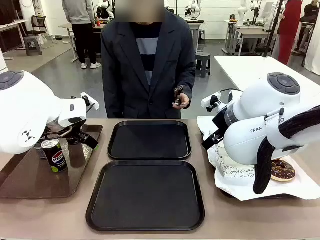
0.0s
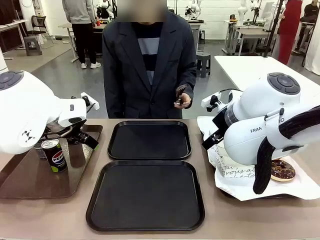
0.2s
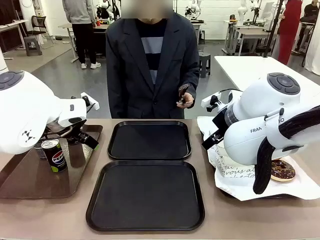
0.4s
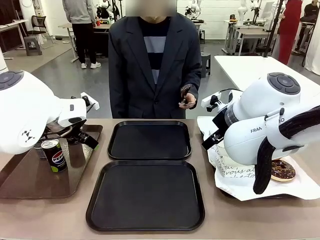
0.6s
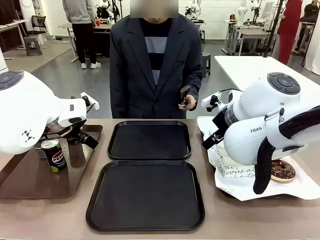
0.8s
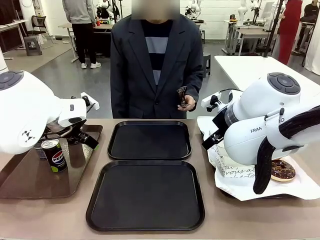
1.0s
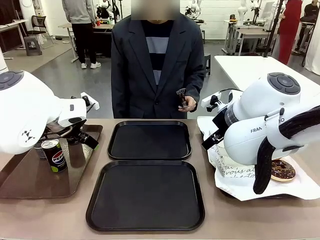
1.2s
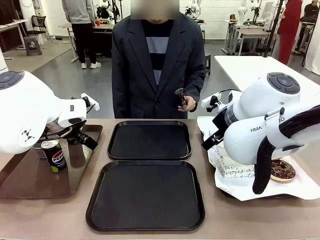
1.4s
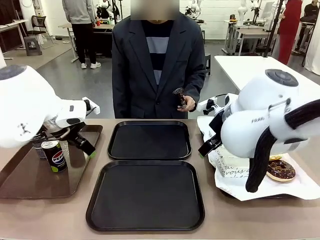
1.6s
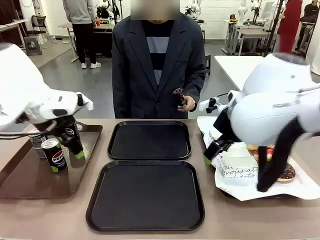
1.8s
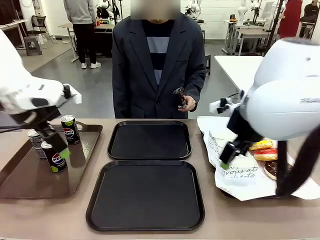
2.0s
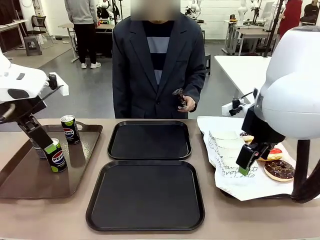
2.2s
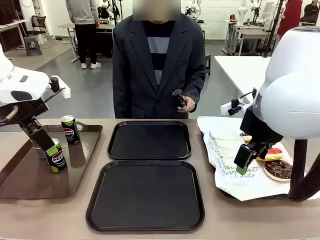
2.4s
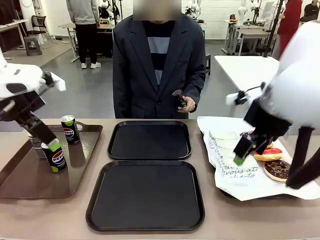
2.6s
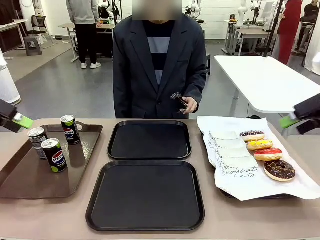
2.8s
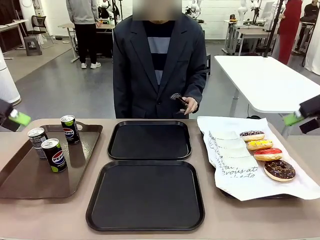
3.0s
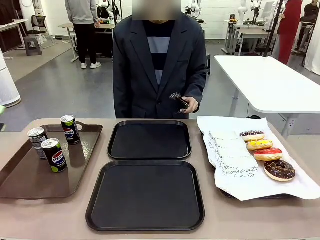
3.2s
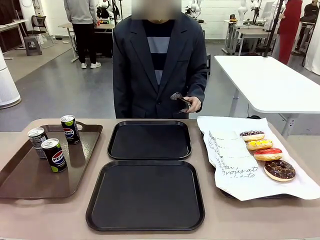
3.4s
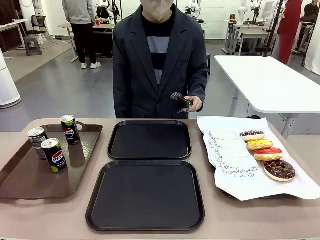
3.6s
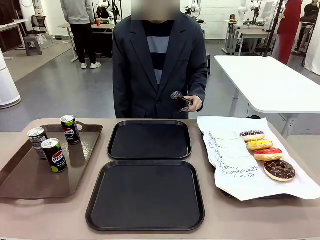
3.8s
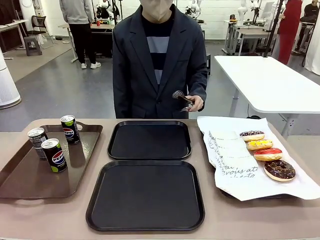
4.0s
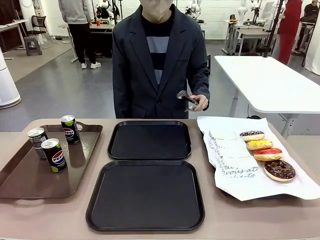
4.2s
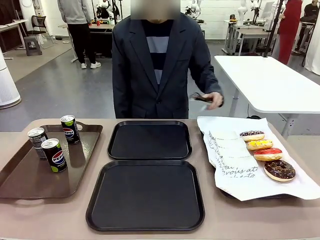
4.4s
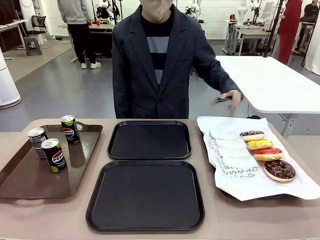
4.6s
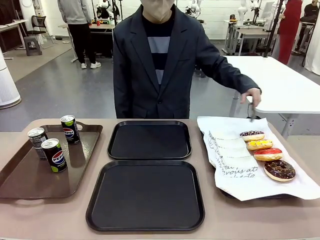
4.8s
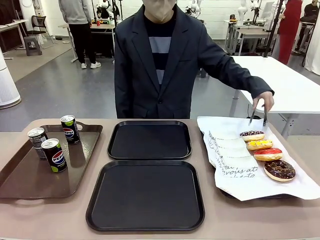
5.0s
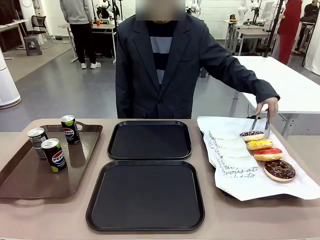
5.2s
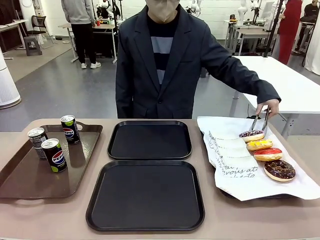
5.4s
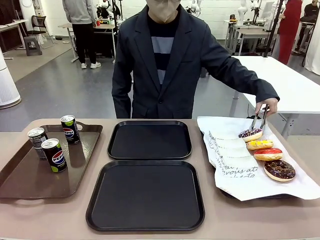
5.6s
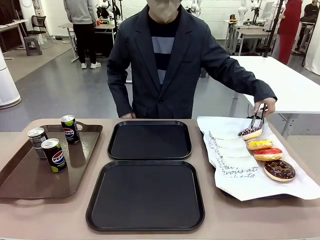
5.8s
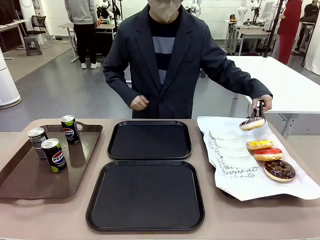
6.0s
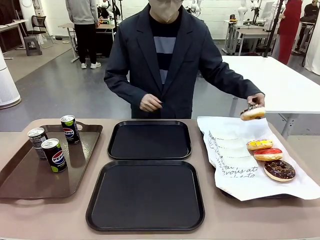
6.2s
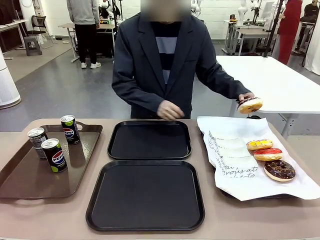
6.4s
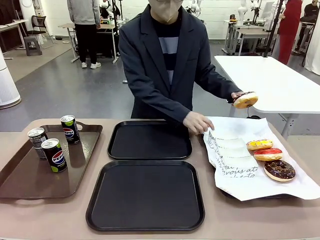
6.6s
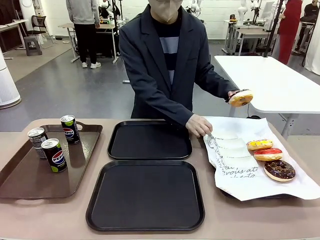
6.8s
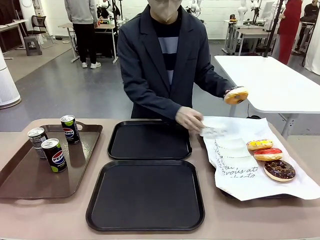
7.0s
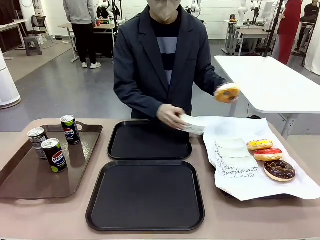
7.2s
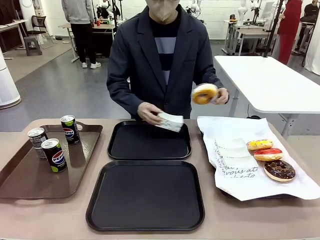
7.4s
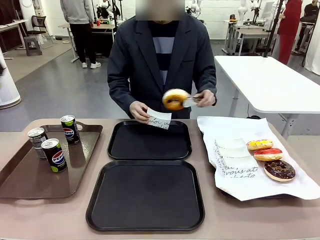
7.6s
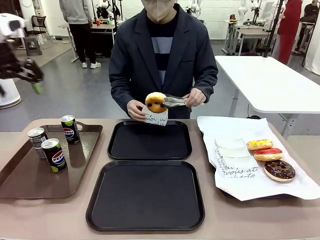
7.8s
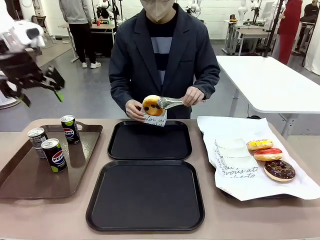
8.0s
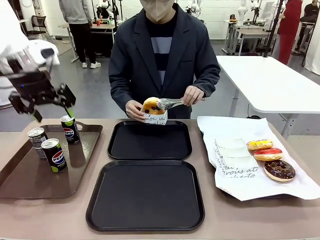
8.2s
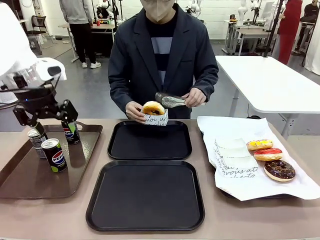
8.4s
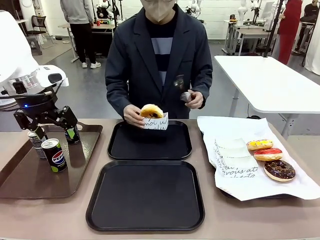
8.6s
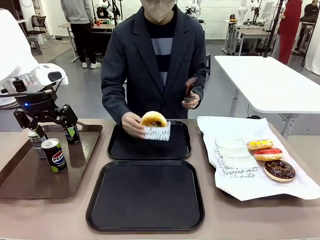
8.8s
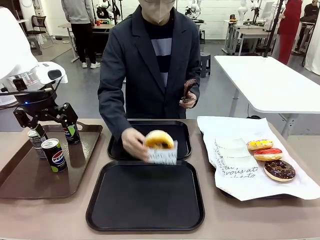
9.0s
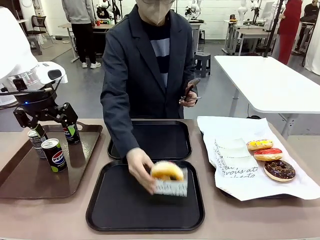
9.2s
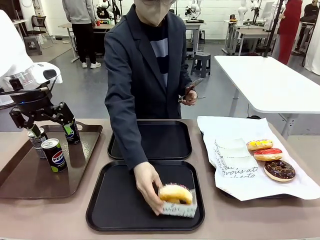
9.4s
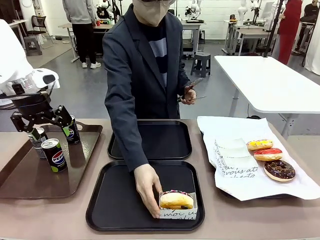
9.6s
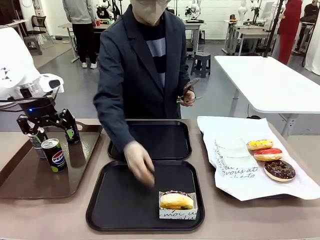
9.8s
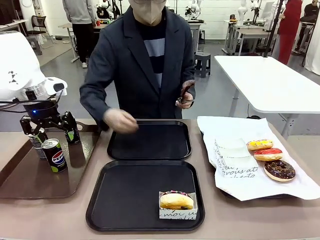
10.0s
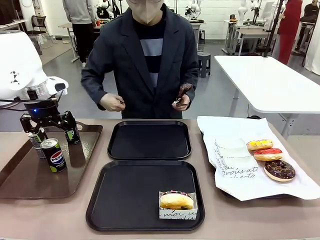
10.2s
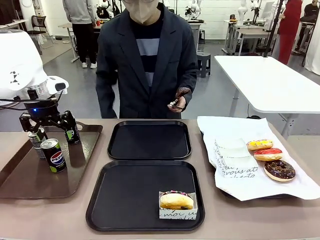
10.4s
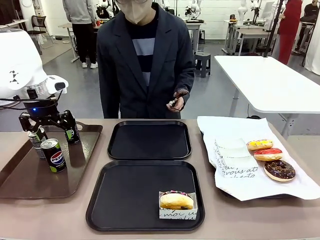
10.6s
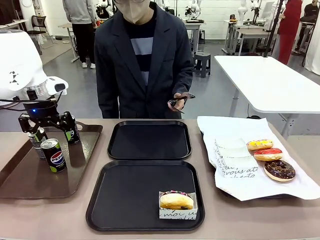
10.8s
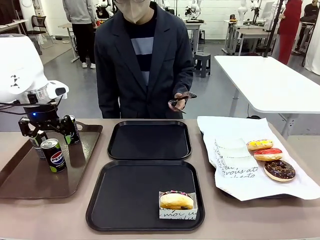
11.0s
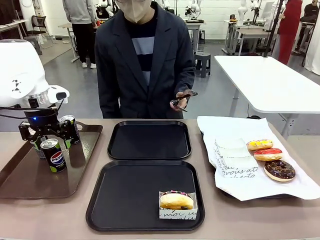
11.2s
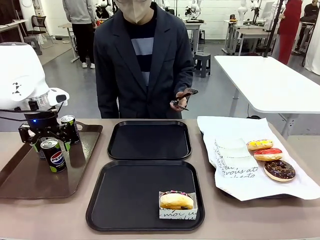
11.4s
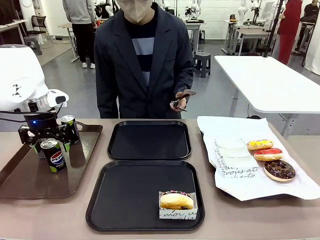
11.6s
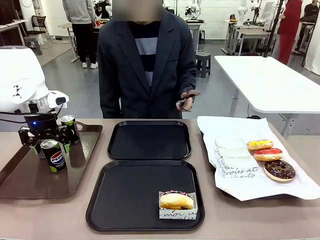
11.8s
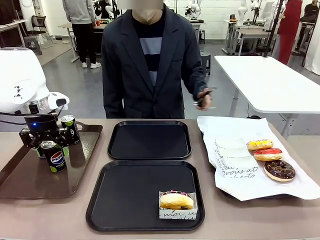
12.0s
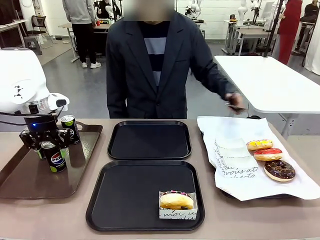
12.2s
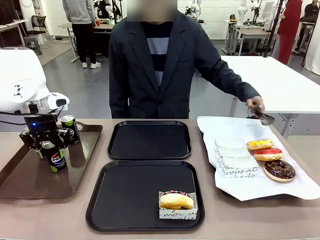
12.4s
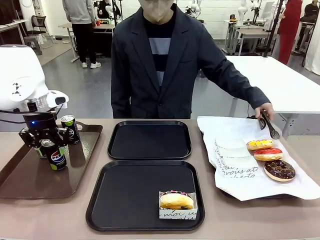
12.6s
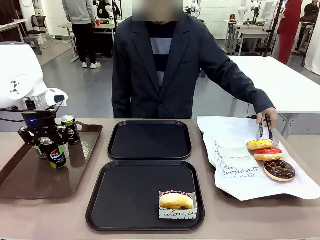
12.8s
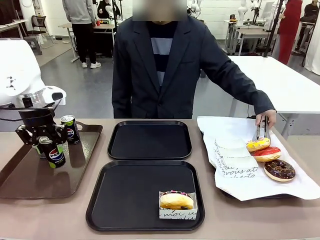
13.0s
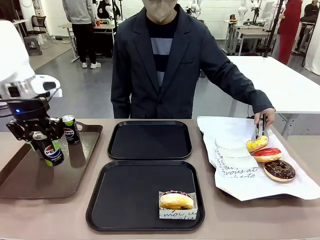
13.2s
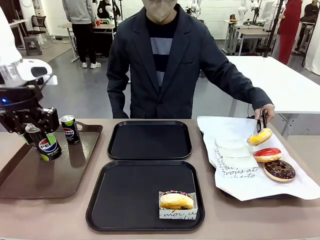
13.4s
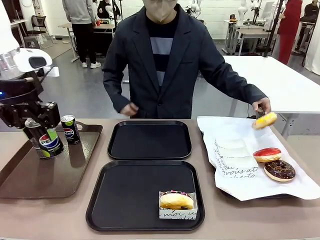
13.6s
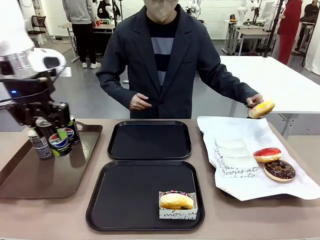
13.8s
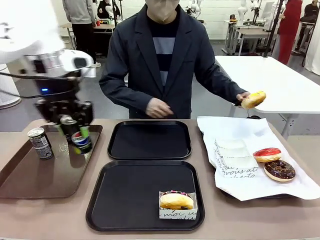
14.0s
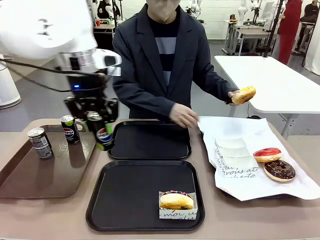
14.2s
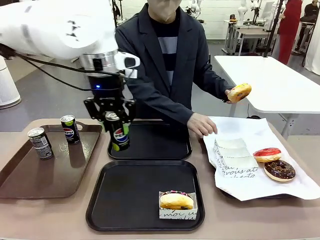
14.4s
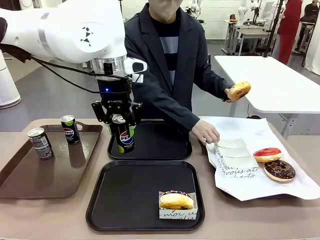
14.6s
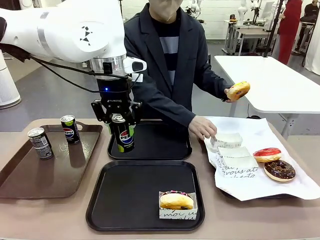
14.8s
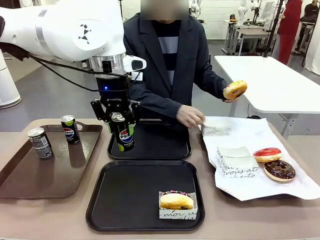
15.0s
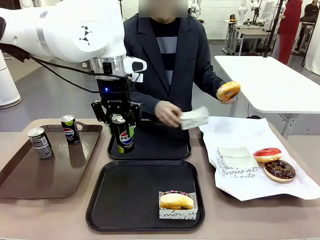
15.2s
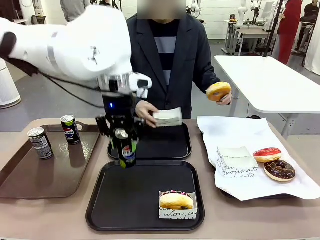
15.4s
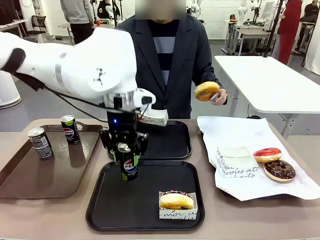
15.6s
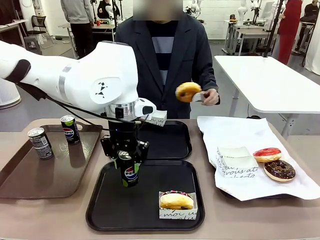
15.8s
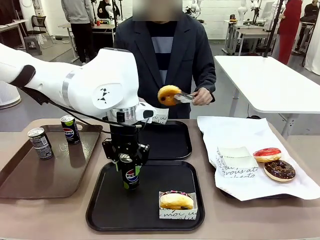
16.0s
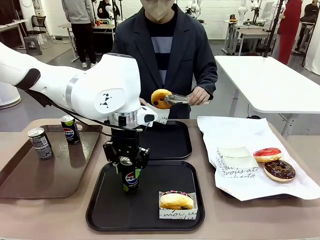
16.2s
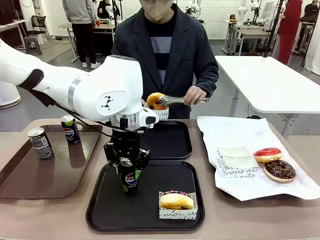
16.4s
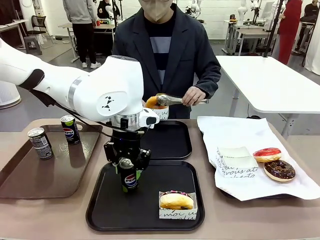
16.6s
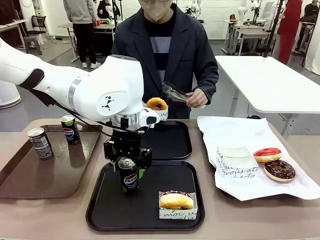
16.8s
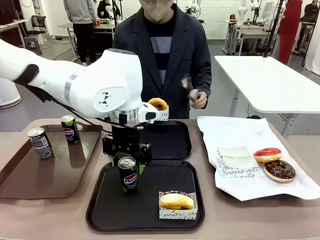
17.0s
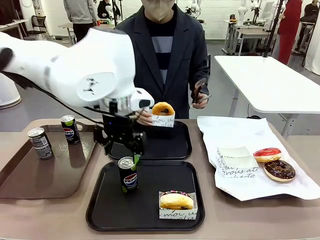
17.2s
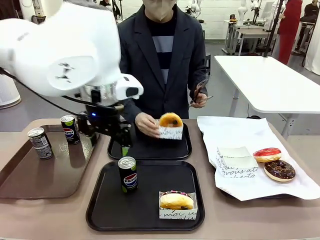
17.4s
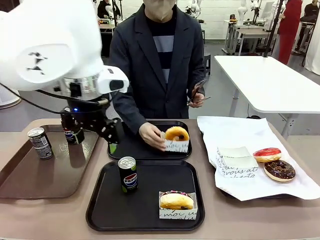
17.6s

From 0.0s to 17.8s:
Task: Set up donuts and drinks on trays.
Robot: Pick up one Pepsi coke and place it on the Flat Tray.

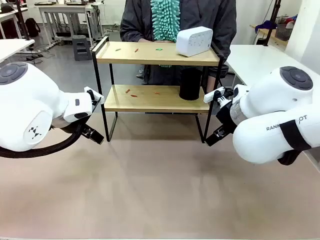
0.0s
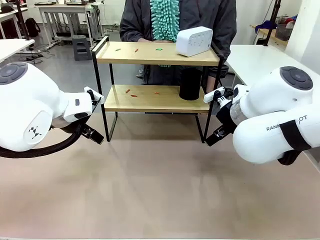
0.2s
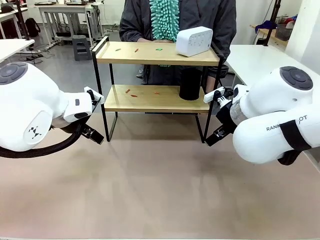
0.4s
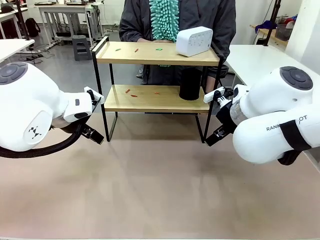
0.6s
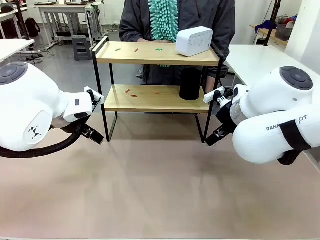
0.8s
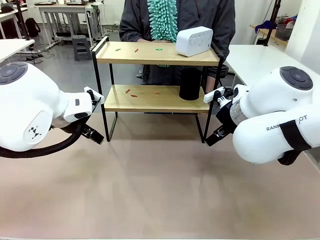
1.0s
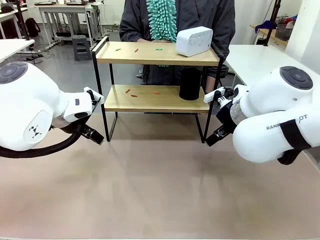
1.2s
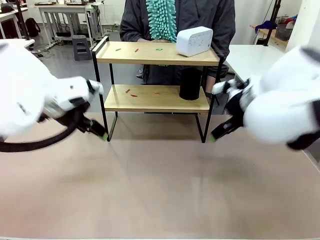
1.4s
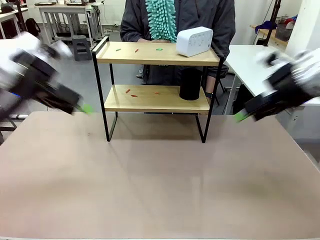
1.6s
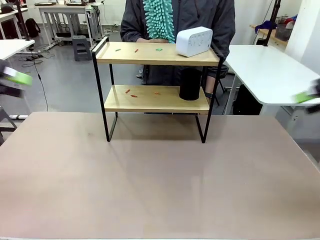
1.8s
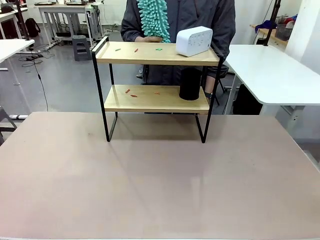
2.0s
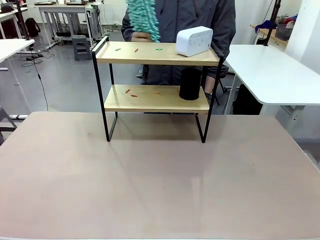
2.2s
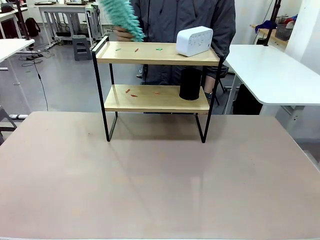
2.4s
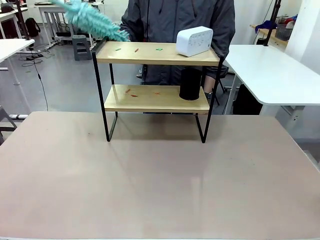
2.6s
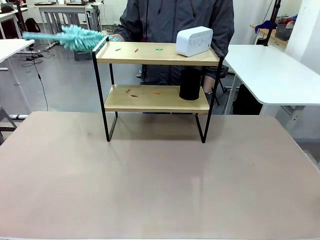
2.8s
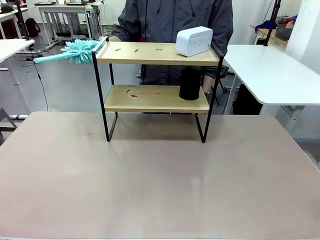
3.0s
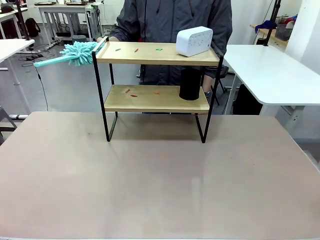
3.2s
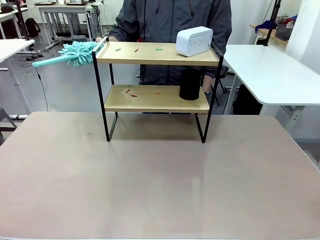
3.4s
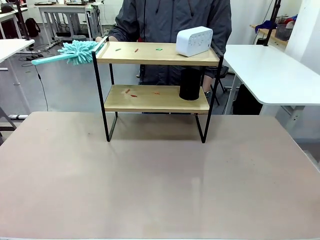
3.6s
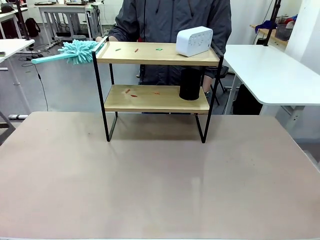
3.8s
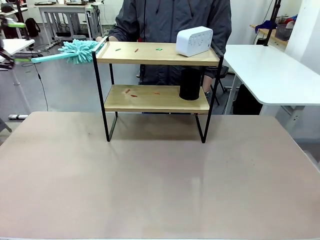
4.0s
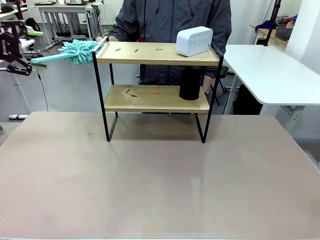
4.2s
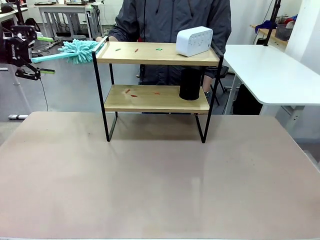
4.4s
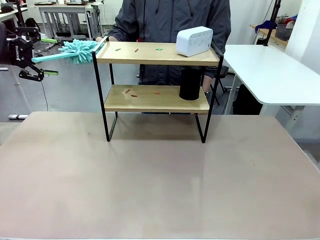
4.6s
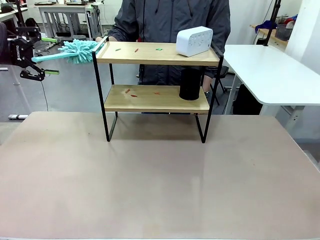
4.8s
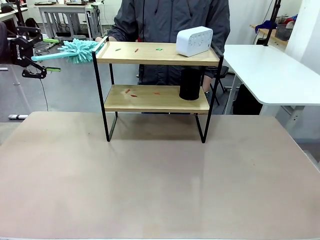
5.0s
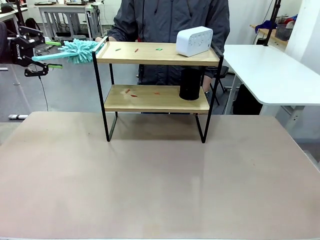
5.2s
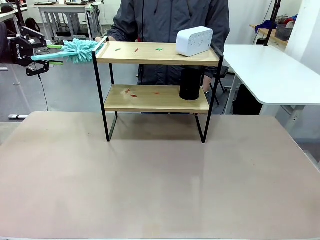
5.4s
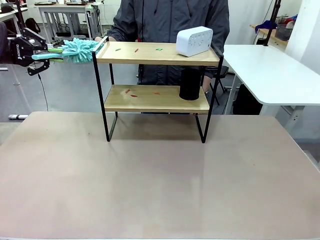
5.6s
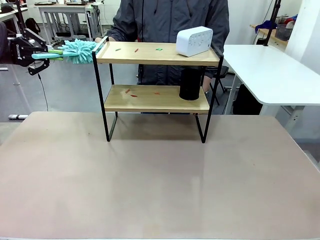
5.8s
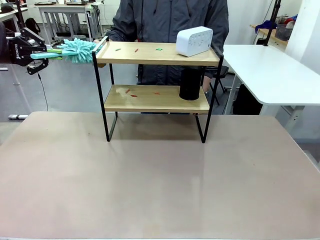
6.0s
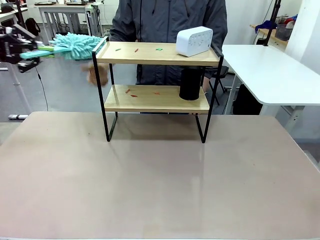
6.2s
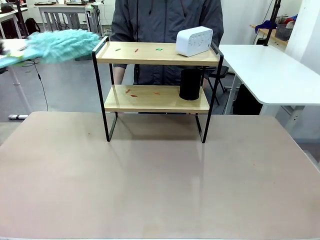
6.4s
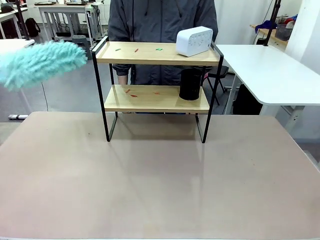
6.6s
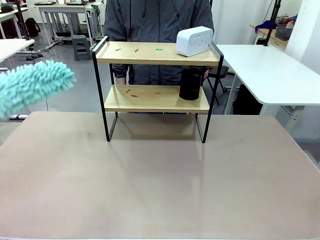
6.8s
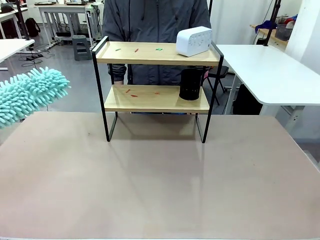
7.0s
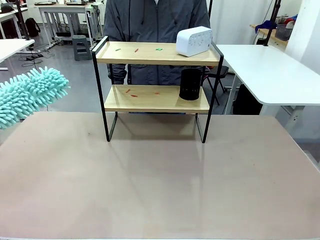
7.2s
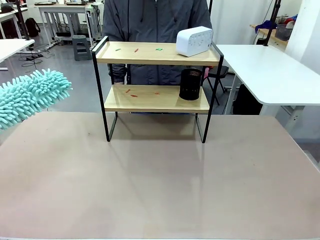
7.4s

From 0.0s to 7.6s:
Task: Clean the shelf.
Robot: Pick up the Duster from the human.
Person: Hand the Duster to the robot.
